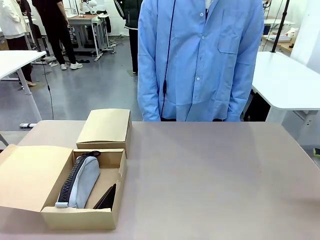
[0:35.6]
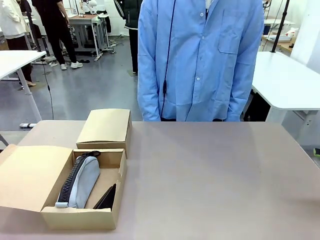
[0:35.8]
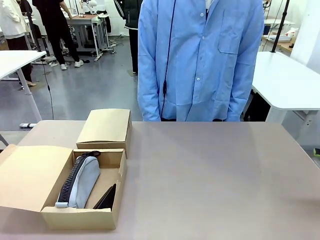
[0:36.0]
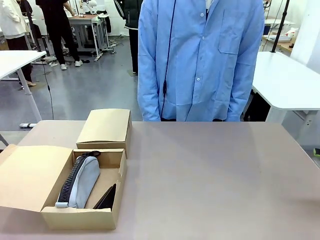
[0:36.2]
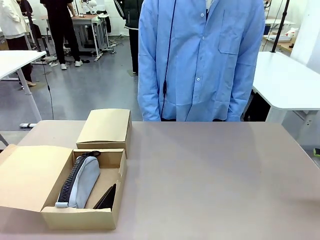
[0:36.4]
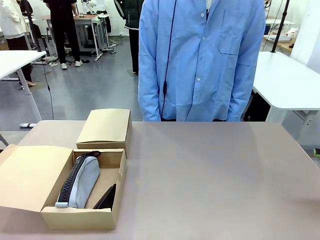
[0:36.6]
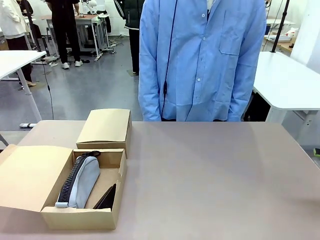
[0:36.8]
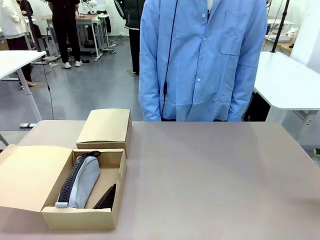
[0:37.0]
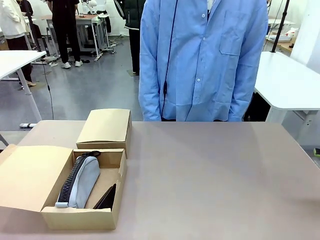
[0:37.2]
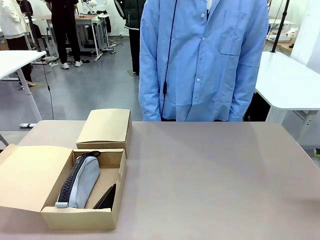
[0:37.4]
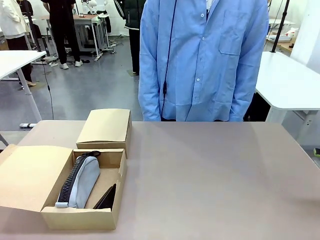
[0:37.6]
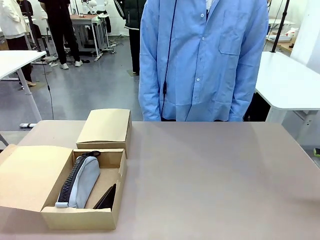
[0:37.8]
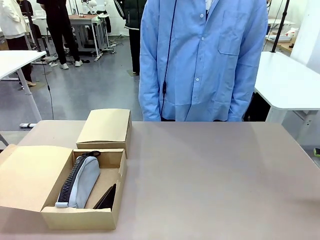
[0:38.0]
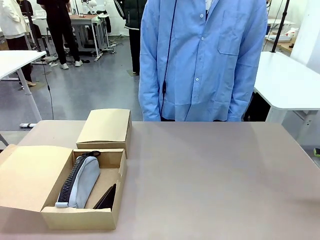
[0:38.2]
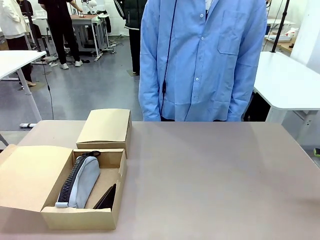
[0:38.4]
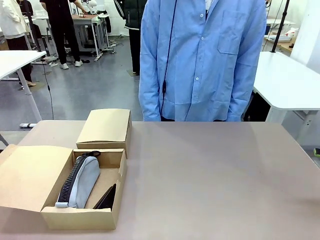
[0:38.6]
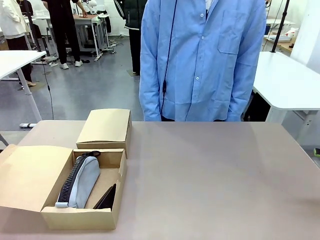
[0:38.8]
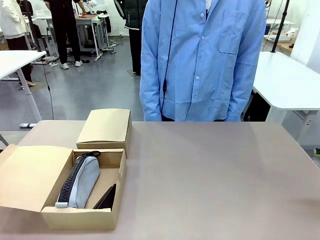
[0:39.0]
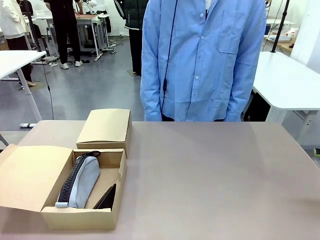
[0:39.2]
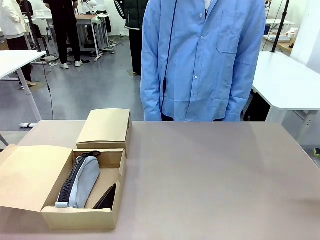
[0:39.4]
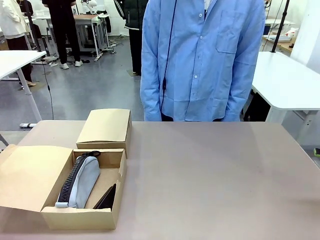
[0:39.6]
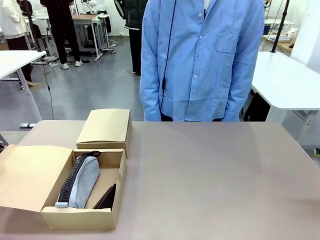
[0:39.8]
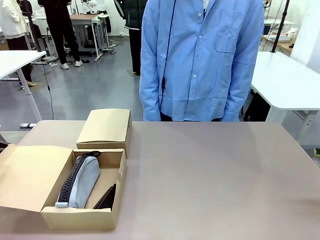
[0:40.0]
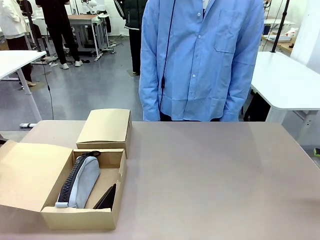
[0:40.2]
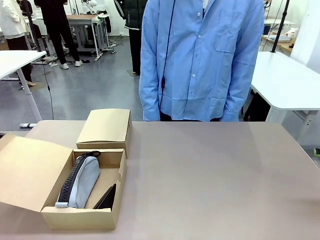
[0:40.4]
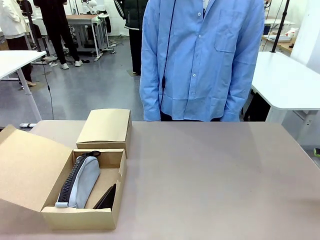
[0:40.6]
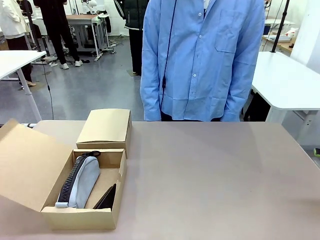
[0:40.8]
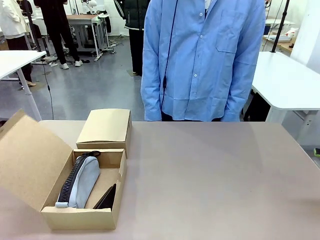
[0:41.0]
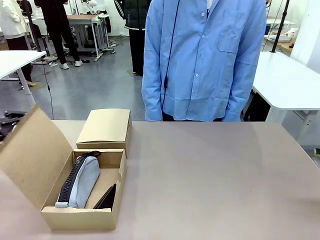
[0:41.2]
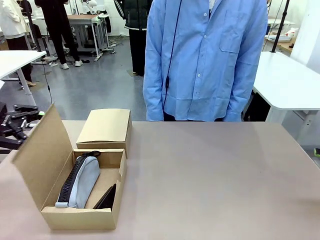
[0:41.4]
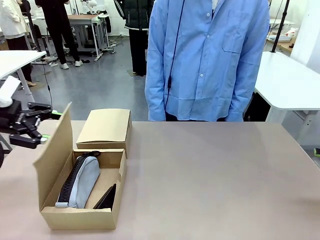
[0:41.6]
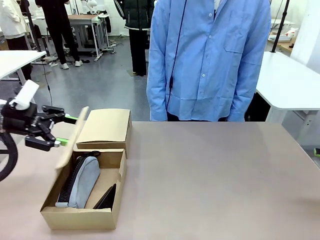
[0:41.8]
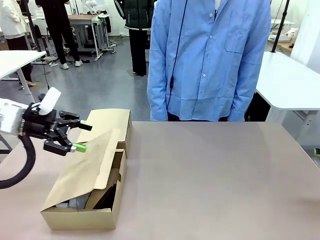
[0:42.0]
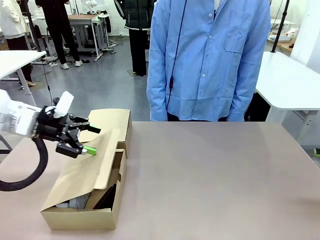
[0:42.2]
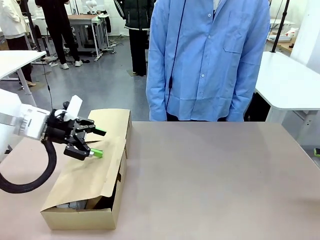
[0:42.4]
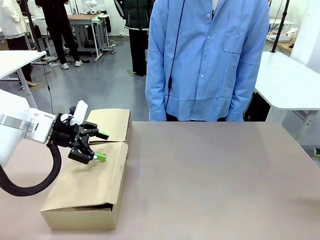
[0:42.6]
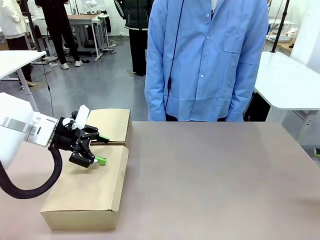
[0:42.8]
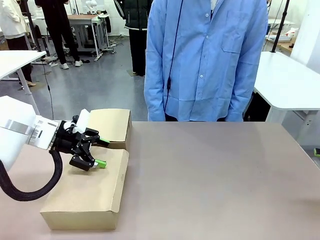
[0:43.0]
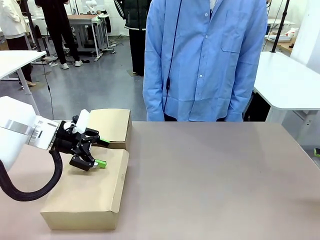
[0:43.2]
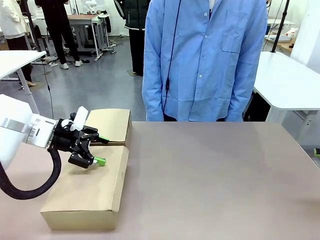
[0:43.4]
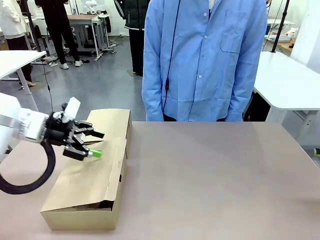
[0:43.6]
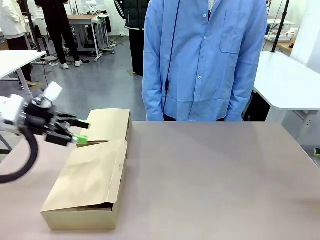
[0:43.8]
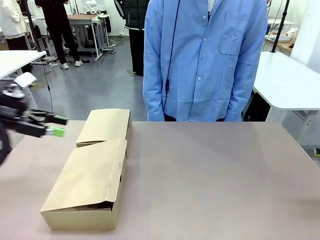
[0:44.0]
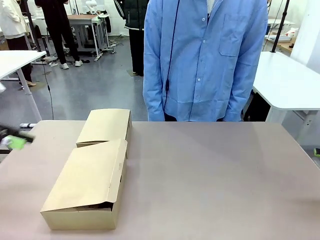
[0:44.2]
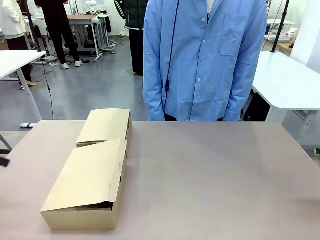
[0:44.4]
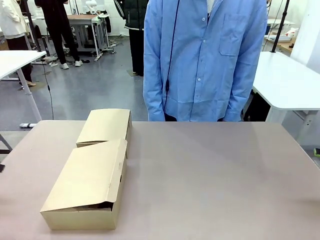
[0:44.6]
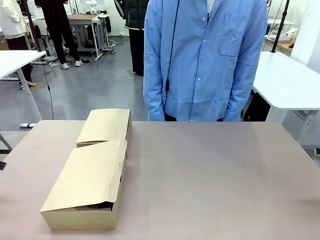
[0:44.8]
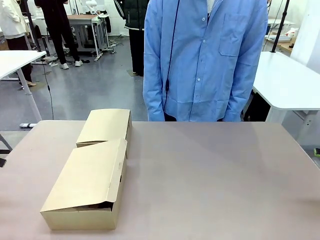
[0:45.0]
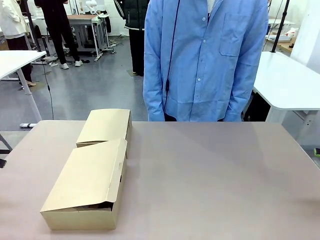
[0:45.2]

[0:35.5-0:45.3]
Task: Place items inside the box.
Robot: Close the lid of the Mailer Box closest to the robot.

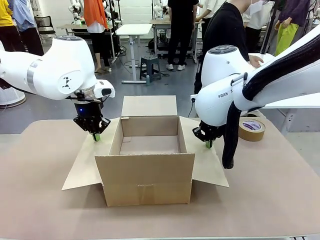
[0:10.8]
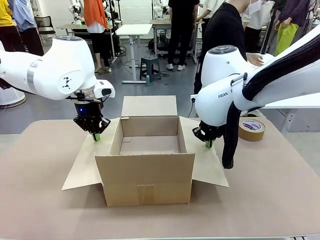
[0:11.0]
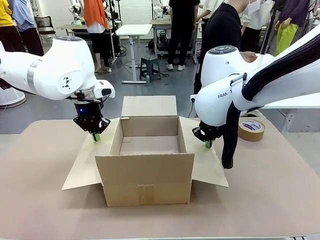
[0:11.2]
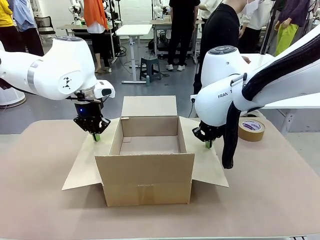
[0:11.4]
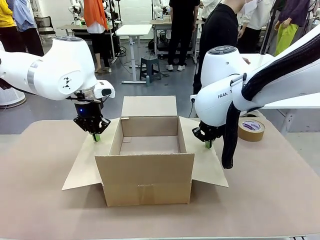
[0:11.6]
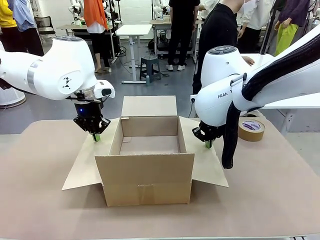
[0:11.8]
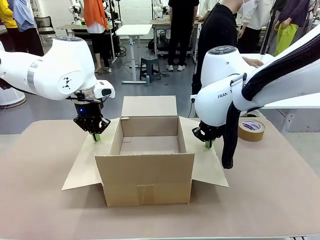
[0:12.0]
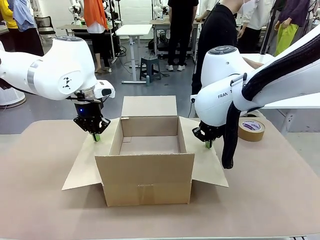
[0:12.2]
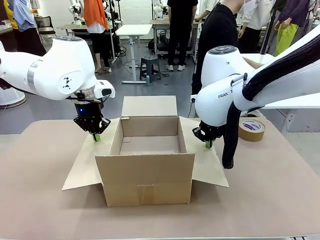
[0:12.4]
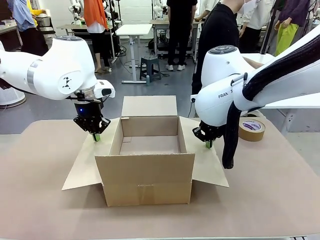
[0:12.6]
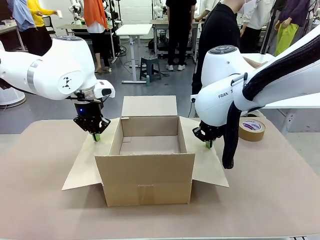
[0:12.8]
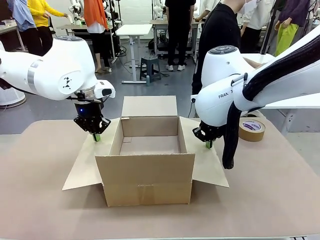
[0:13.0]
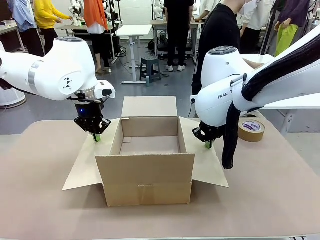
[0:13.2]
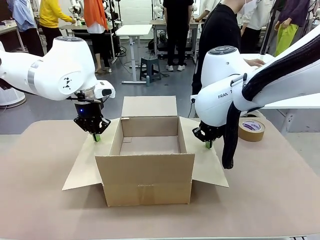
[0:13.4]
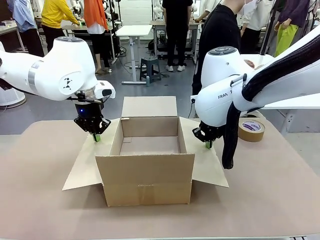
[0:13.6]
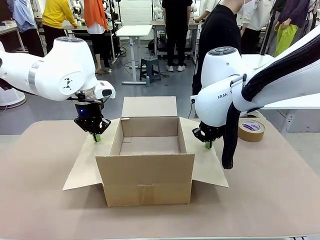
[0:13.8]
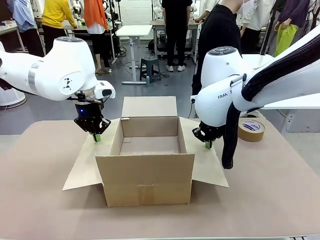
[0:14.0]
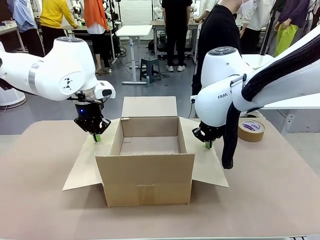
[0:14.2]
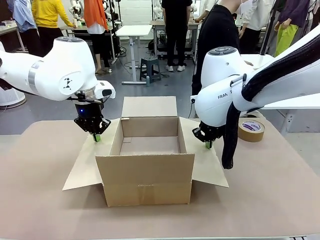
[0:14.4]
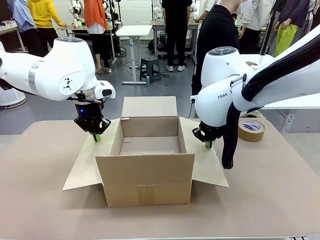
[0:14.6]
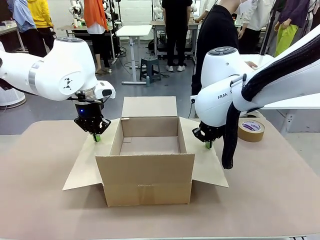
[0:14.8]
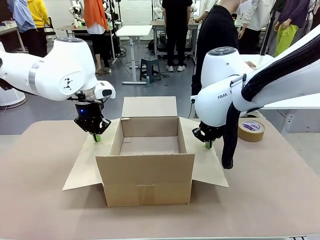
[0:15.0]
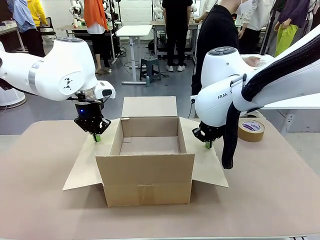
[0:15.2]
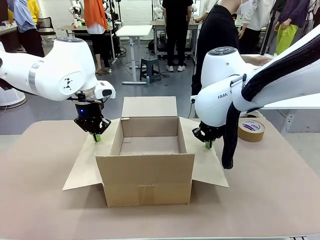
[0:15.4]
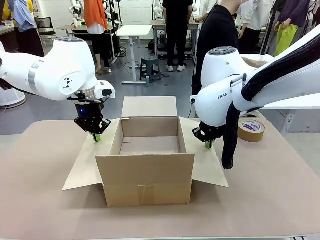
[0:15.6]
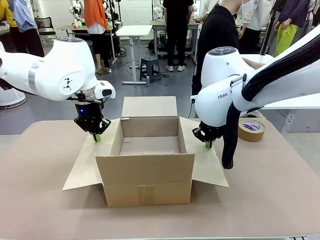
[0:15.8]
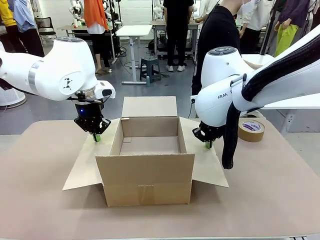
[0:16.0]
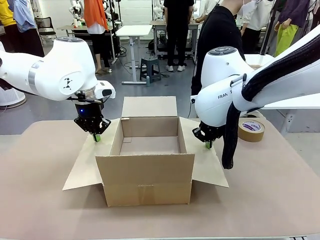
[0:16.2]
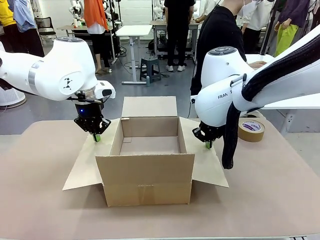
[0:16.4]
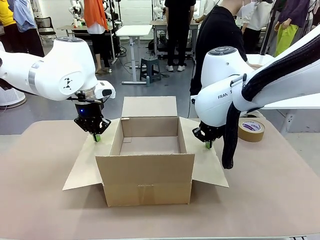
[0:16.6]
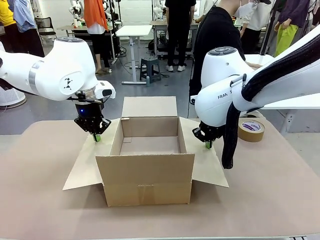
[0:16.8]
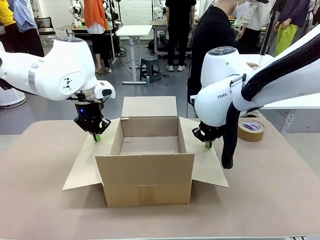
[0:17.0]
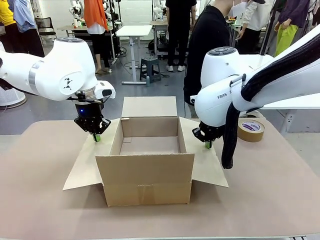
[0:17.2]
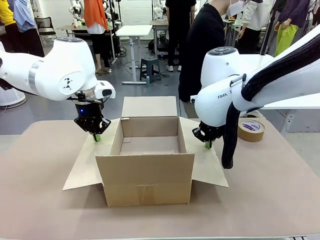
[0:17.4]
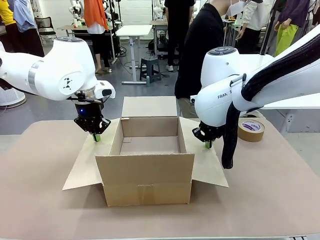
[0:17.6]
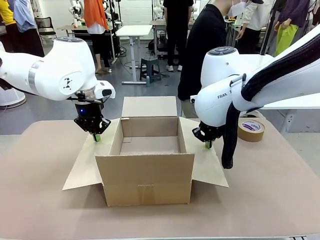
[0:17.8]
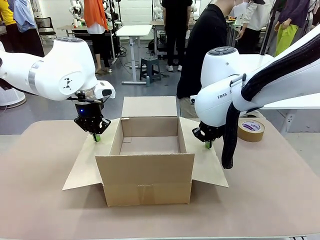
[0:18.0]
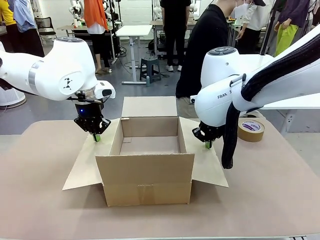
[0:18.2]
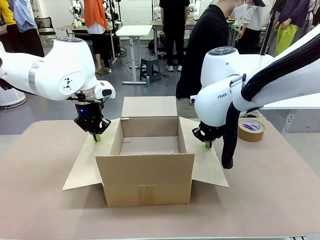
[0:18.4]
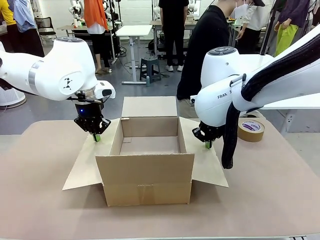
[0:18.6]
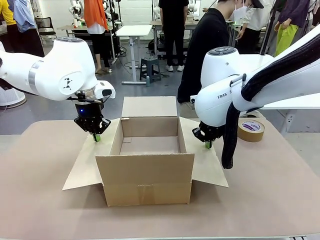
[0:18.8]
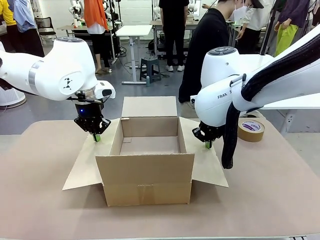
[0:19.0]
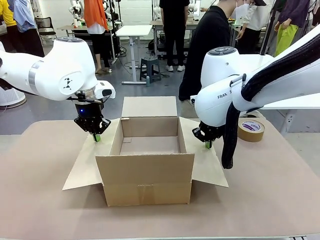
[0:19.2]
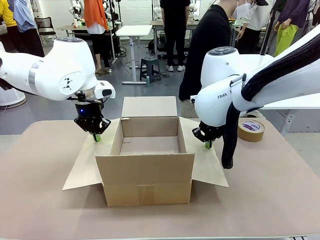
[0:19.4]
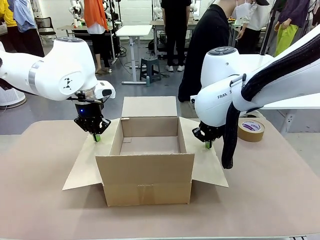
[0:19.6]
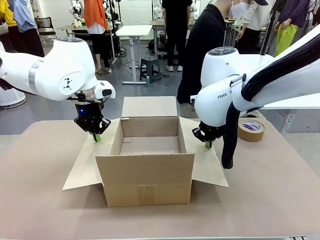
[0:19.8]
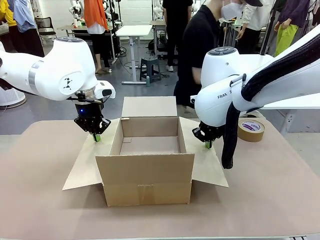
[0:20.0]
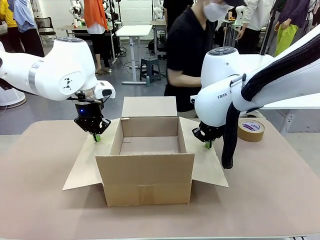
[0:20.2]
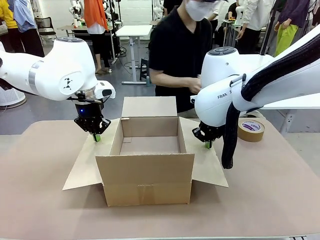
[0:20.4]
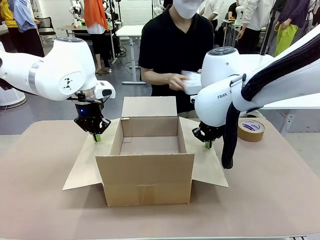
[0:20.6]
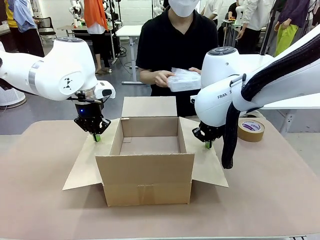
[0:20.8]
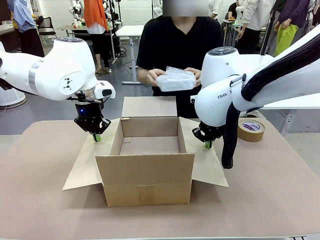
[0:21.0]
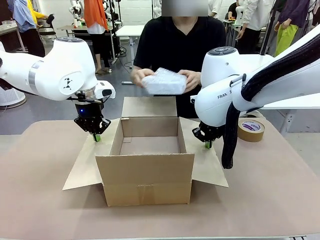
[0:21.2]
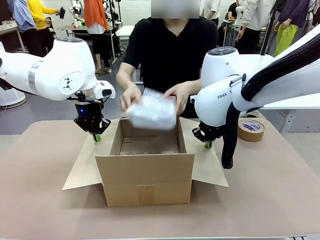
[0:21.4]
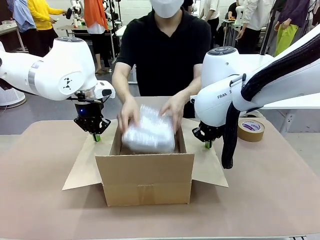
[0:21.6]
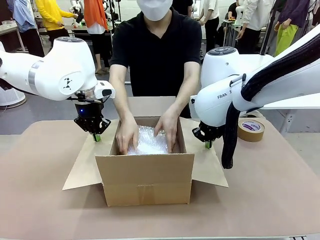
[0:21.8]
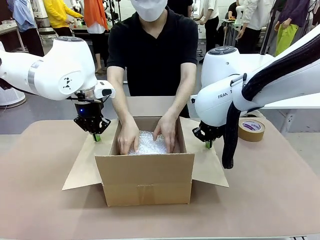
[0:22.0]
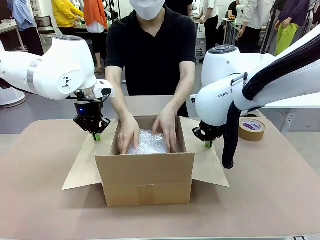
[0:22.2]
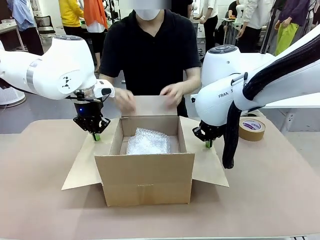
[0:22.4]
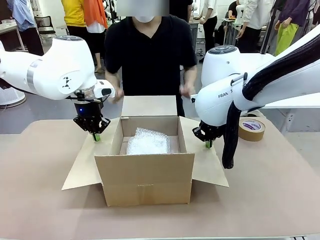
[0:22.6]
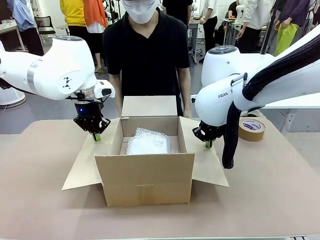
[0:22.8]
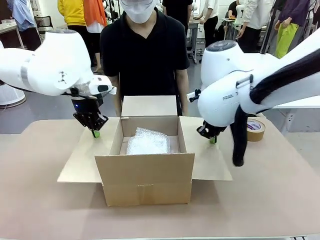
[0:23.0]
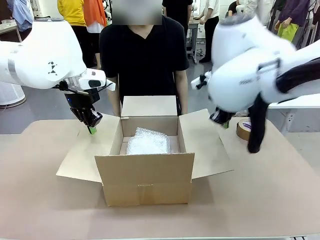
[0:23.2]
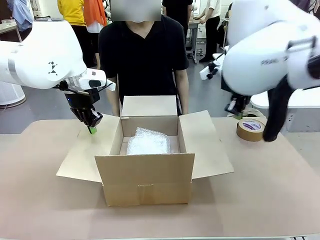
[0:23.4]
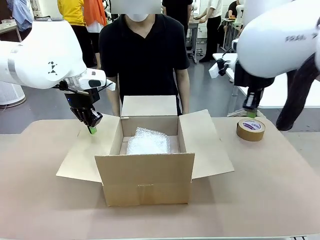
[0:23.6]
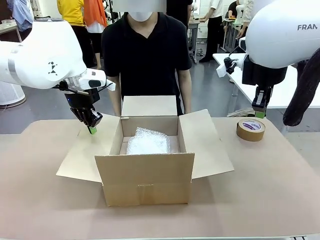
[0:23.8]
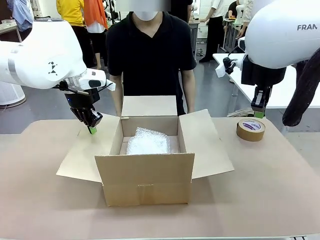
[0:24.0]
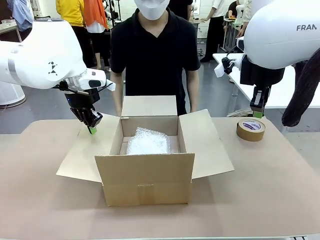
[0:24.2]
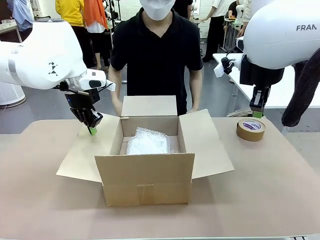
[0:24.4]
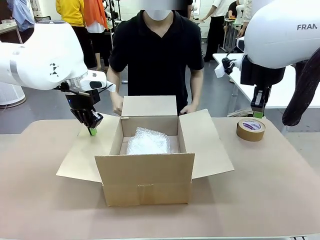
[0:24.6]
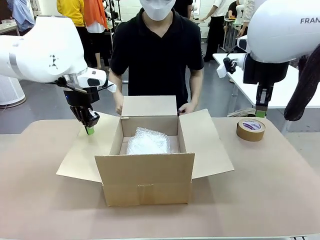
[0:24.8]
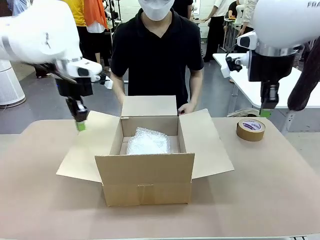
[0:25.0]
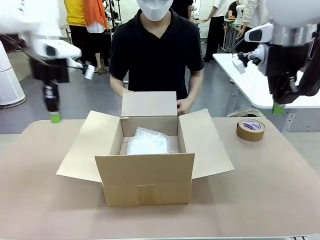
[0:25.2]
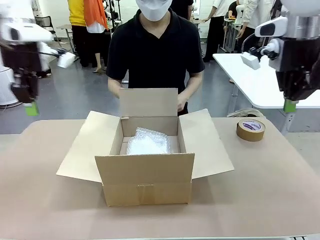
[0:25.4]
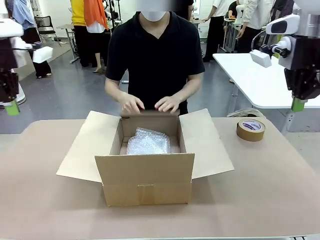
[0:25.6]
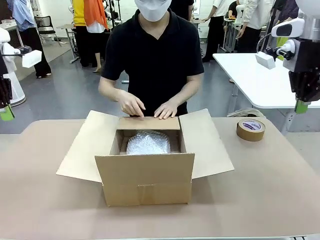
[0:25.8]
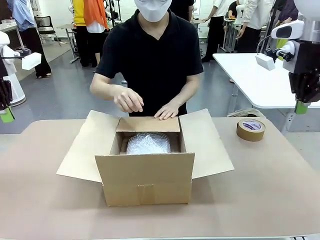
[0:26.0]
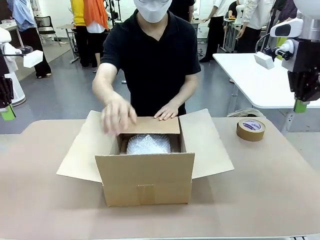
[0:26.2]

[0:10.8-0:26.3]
Task: Wrap the clocks to prevent damage.
Robot: Once the human has placed the objects inside and stepped back, release both hands from the side flaps of the Package Box.
Person: Place the wrapped Digital clocks inside the Package Box. Hold the top and bottom flaps of the Package Box closed with your left (or right) hand.
